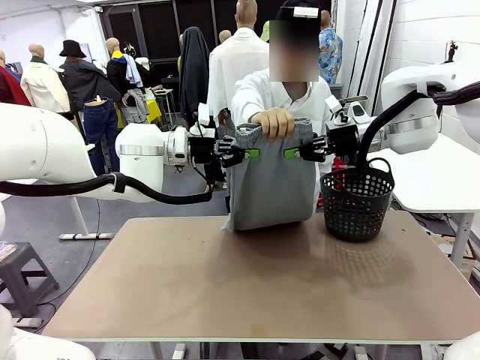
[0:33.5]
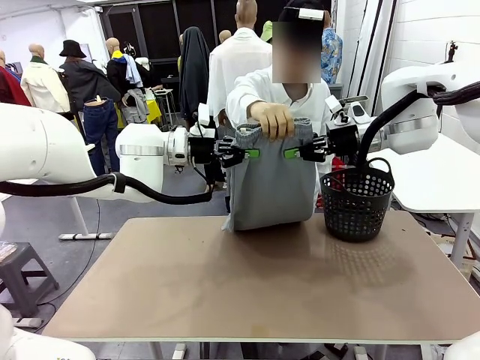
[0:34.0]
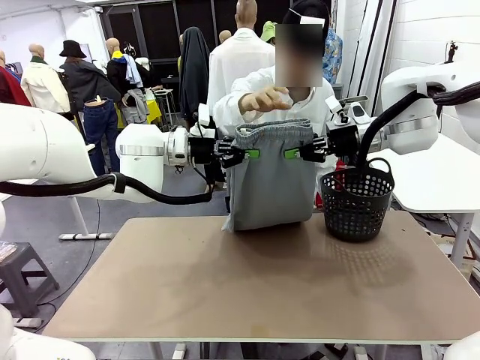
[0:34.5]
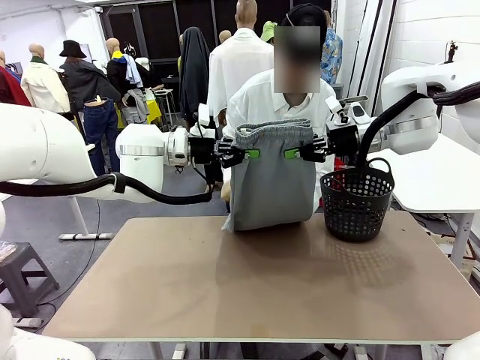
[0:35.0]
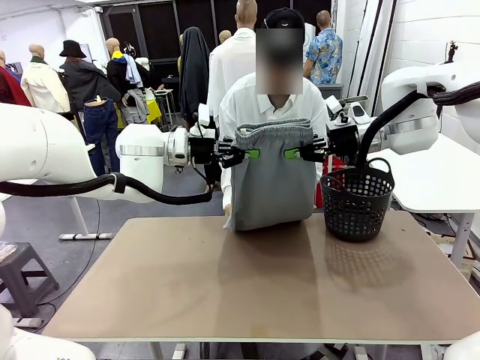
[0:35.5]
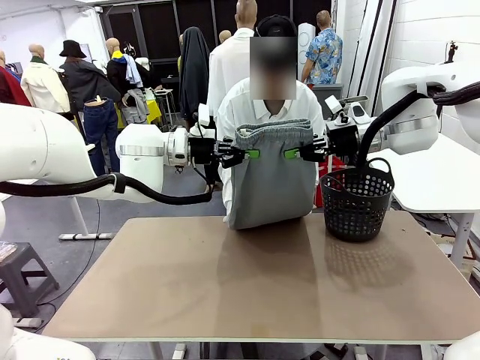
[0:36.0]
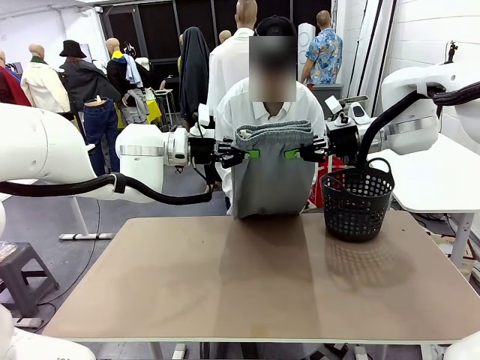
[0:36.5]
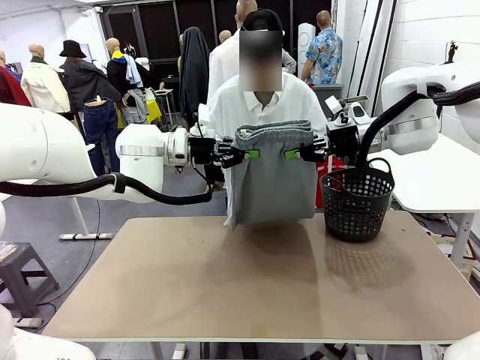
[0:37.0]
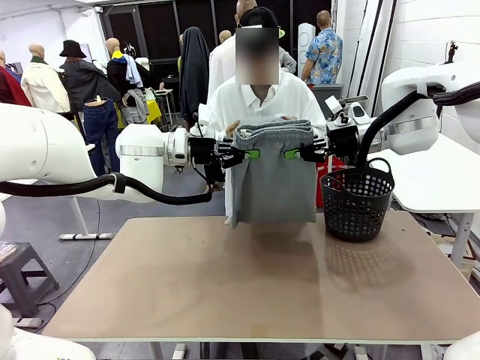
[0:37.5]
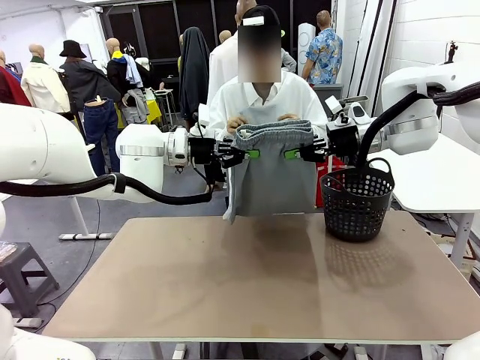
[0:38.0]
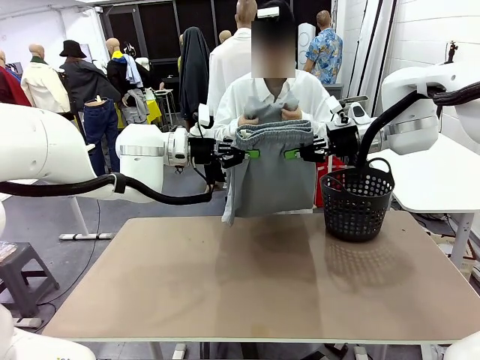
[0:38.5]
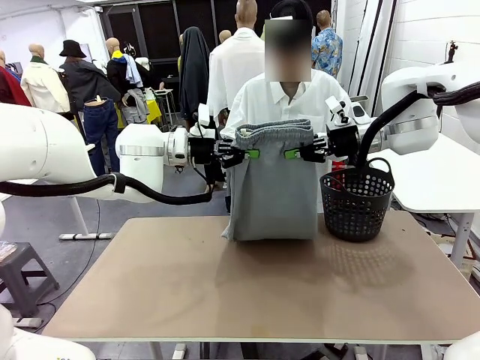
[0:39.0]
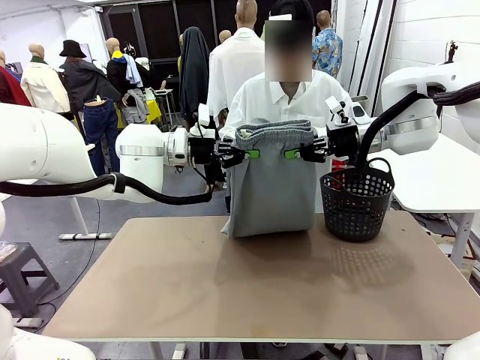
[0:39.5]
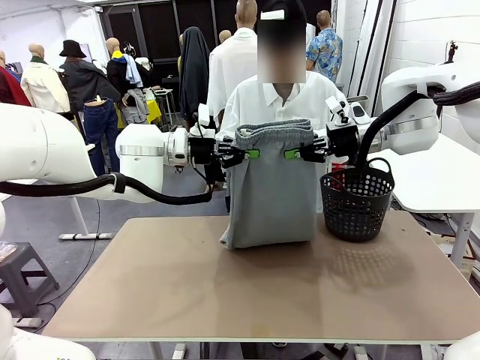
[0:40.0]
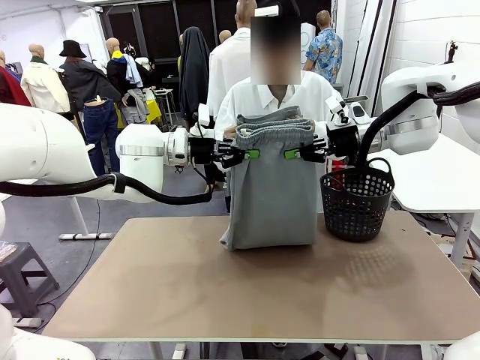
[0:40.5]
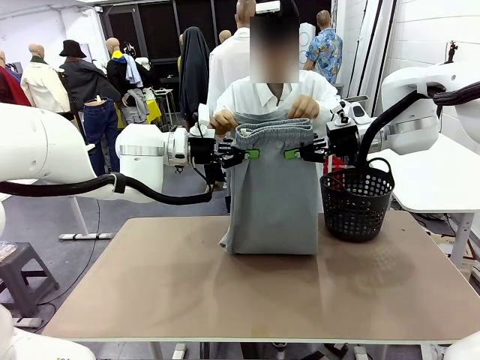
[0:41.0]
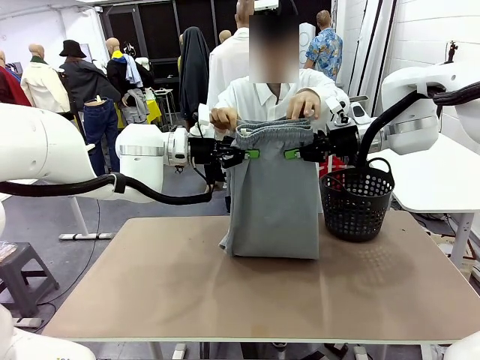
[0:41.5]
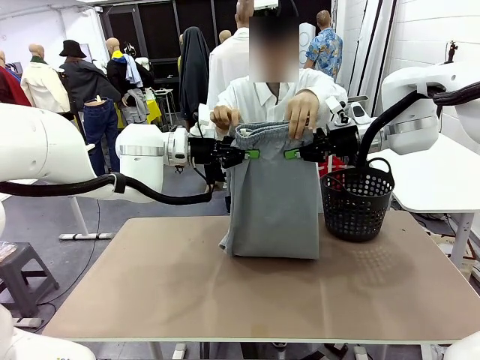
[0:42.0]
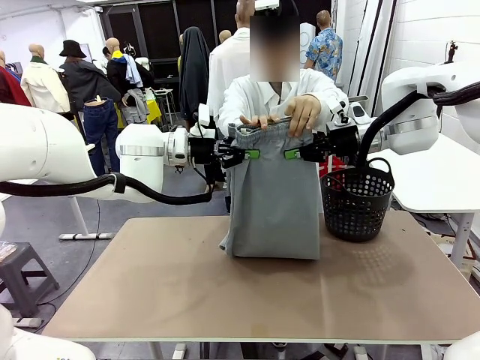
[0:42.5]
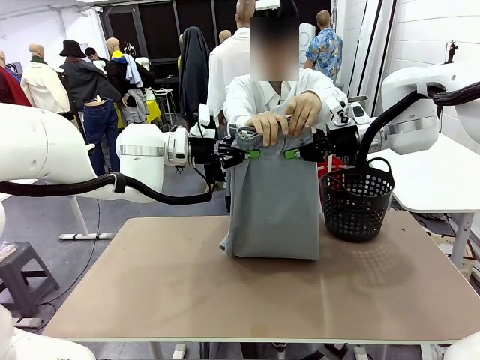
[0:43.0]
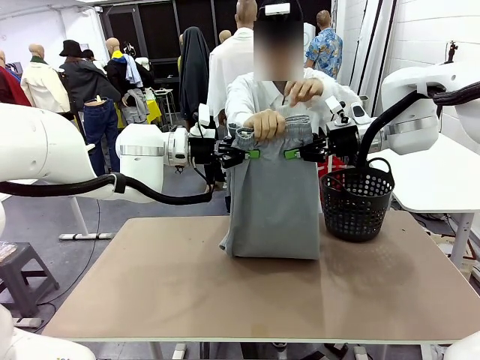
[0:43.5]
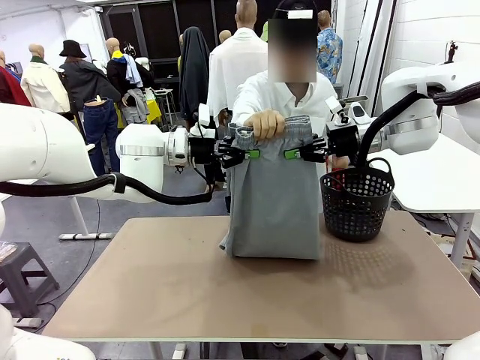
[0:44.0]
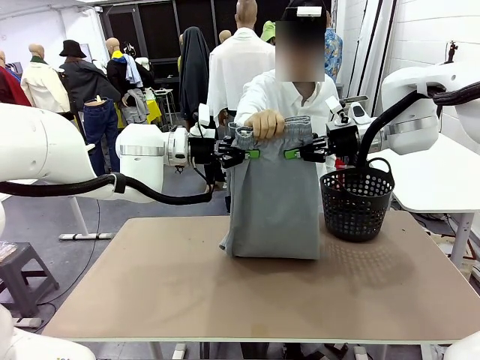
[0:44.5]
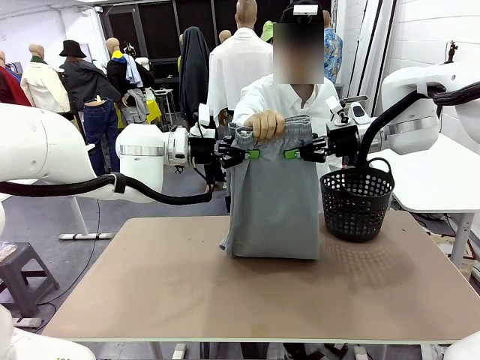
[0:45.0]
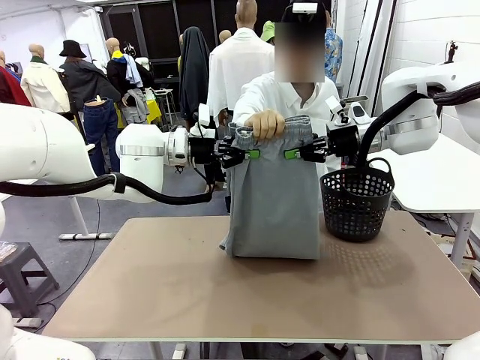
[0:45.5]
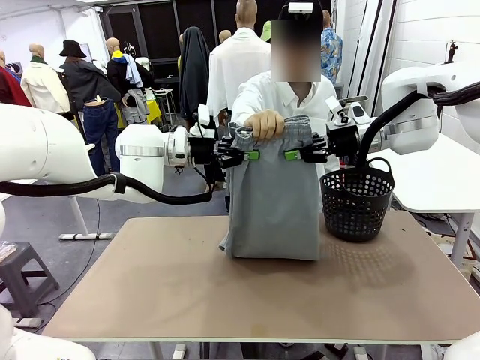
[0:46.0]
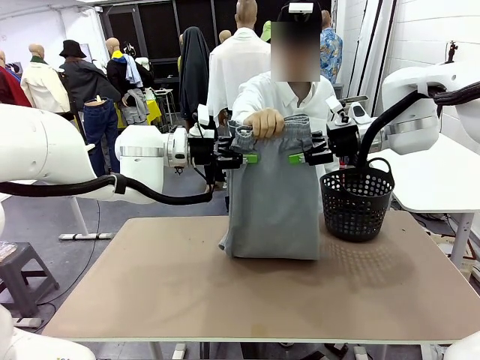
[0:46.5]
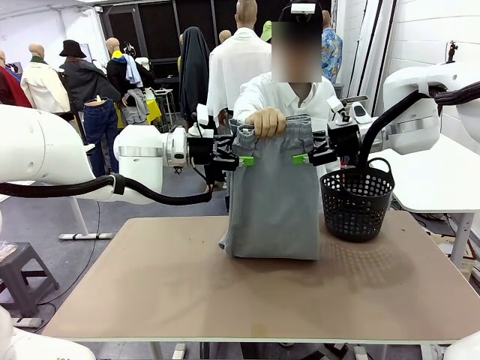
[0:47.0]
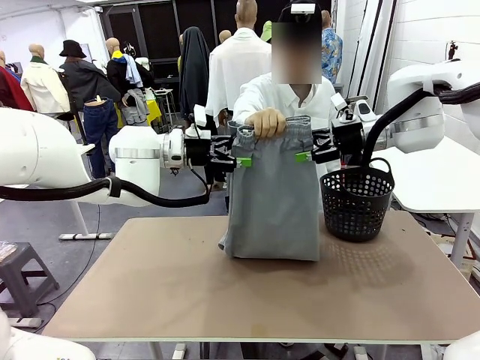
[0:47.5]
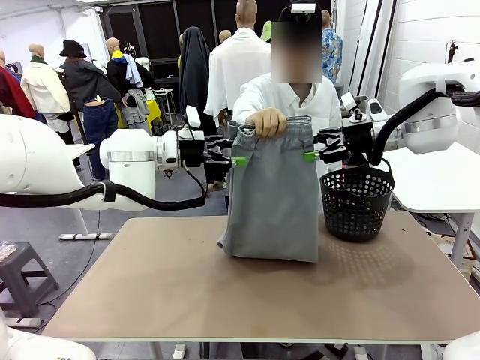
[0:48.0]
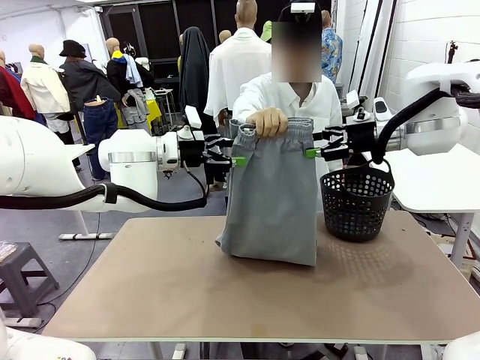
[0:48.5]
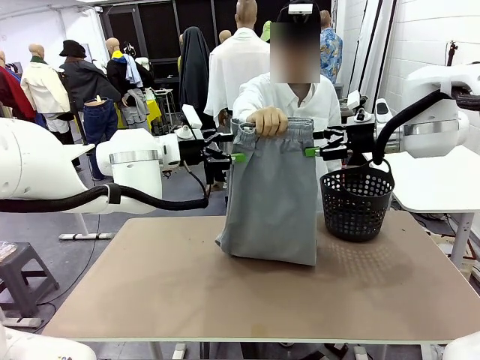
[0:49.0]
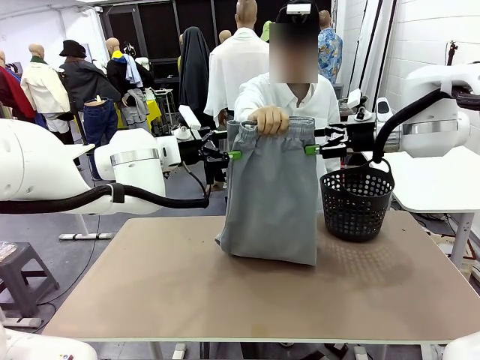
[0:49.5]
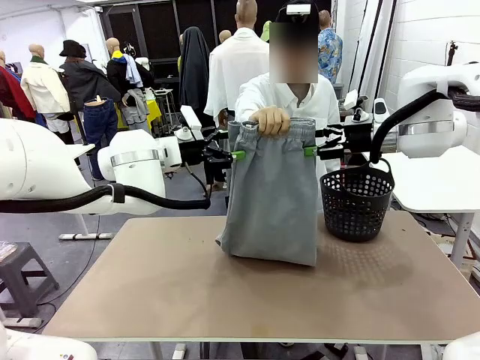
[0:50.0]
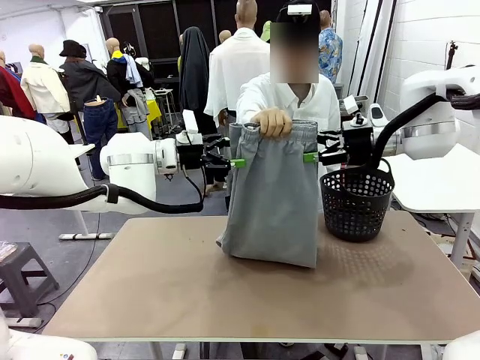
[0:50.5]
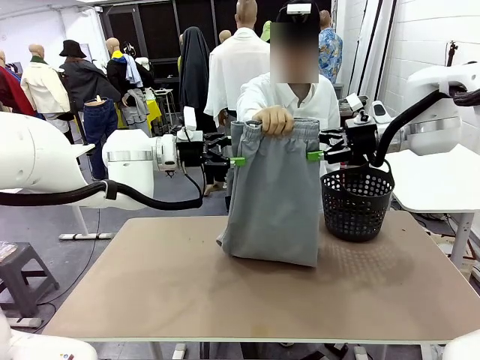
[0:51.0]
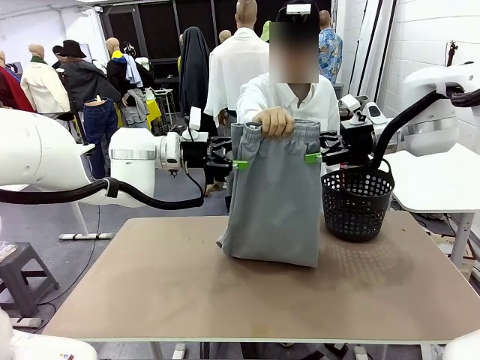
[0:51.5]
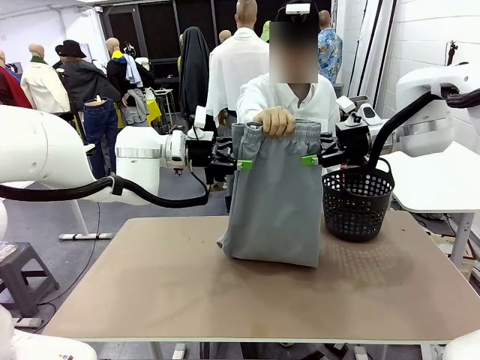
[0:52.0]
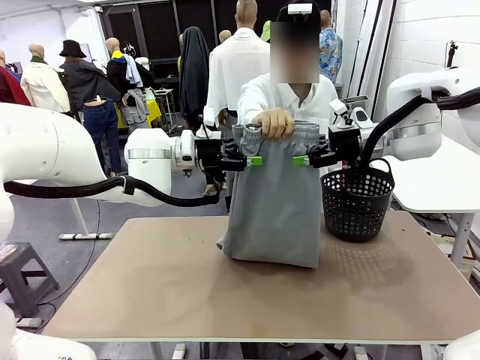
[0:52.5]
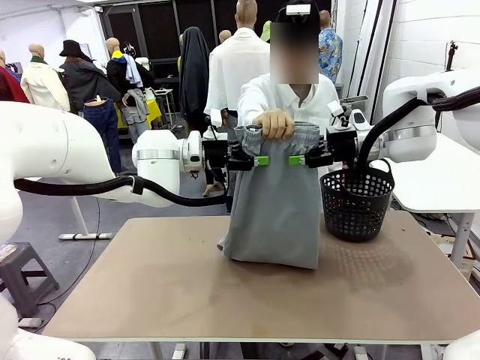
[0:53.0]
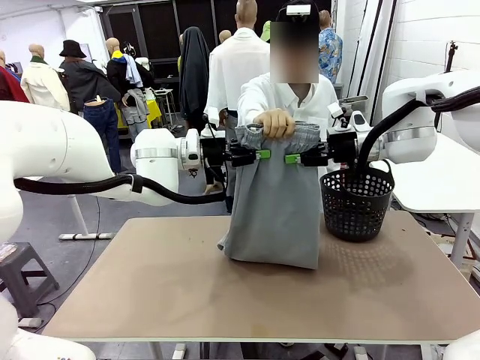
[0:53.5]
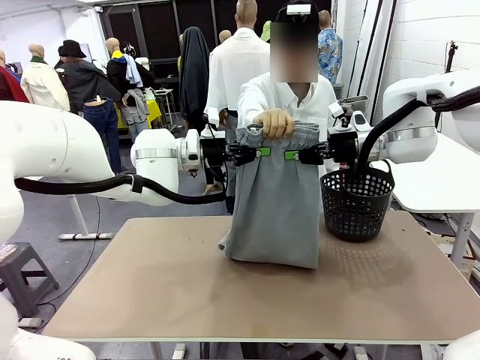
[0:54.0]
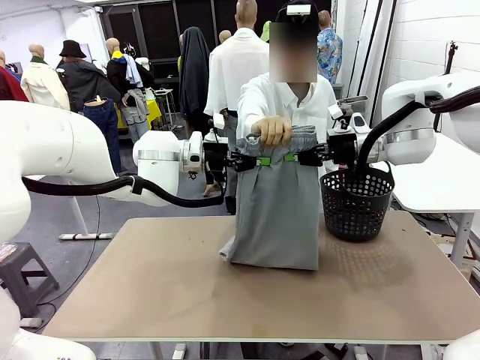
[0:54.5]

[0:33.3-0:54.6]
Task: Fold the training pants.
Robot: Release the ends of the Training pants and then grab the overlapped ends.
Person: Grasp the end opposite the point the robot is holding, fold the pants in half, and then grasp the overlapping top end of the folded pants. Release the pants you were holding.
